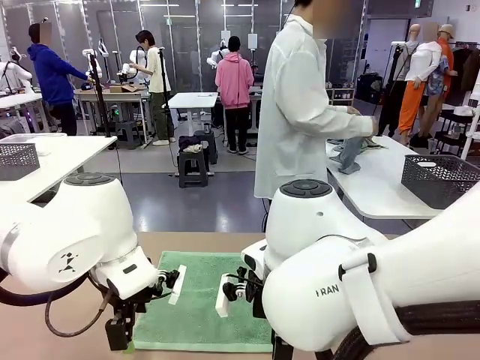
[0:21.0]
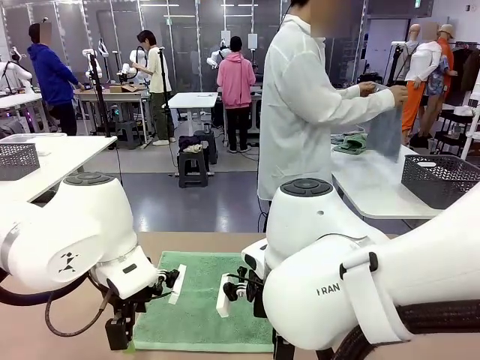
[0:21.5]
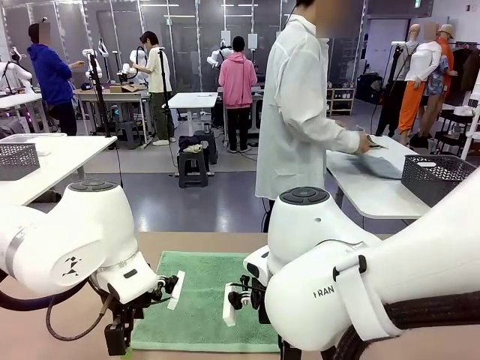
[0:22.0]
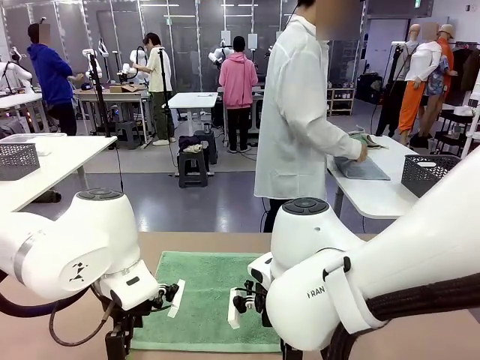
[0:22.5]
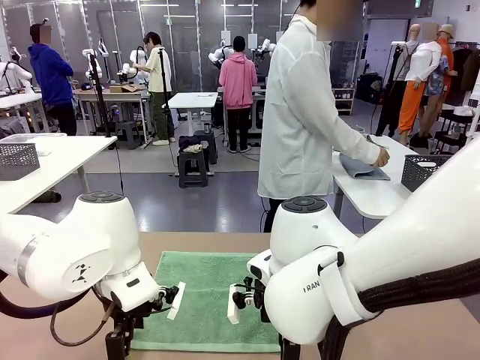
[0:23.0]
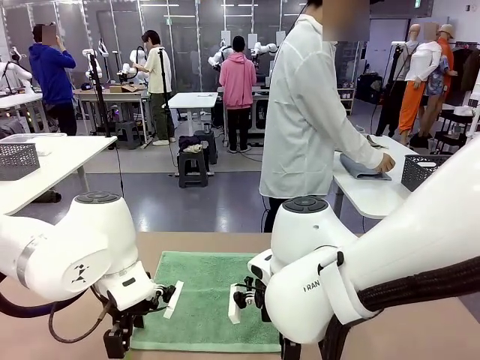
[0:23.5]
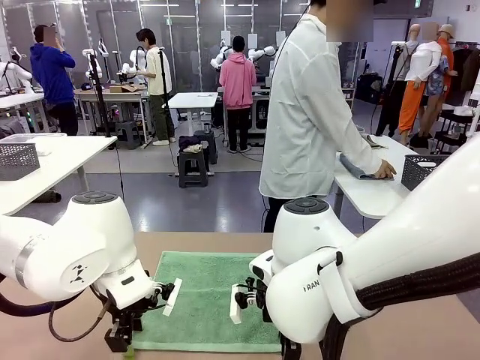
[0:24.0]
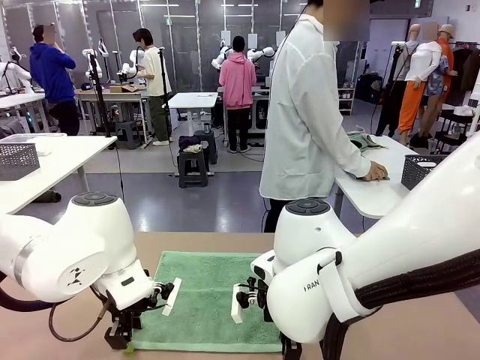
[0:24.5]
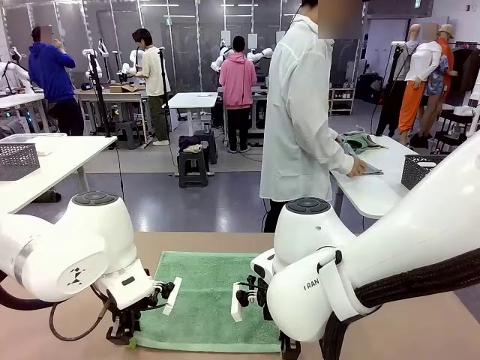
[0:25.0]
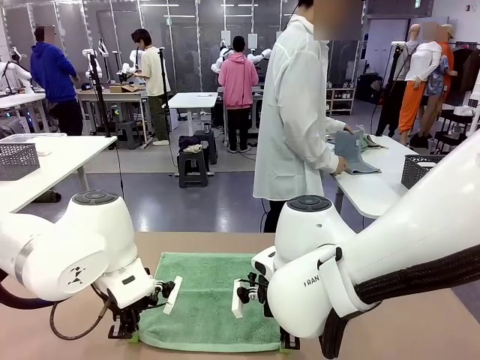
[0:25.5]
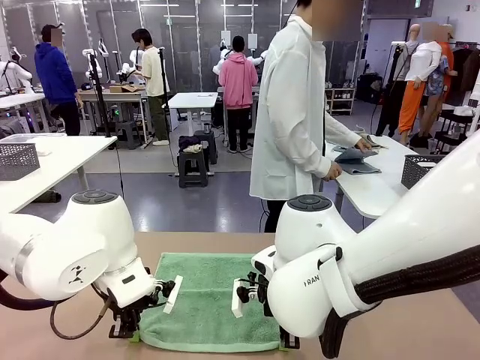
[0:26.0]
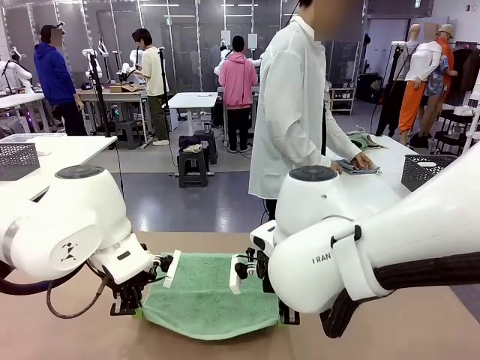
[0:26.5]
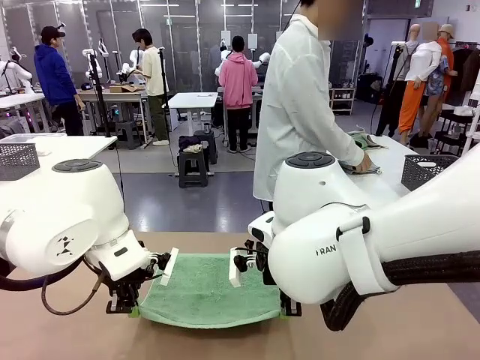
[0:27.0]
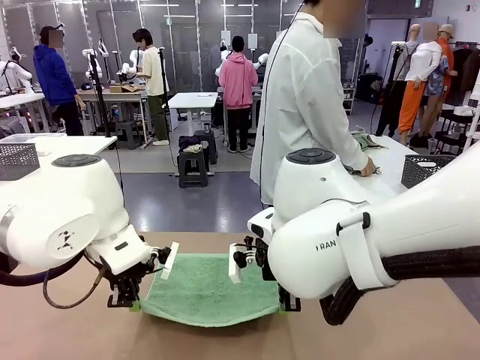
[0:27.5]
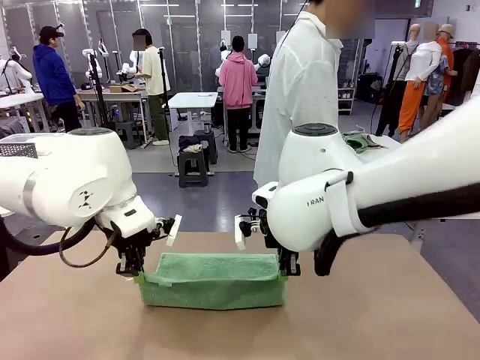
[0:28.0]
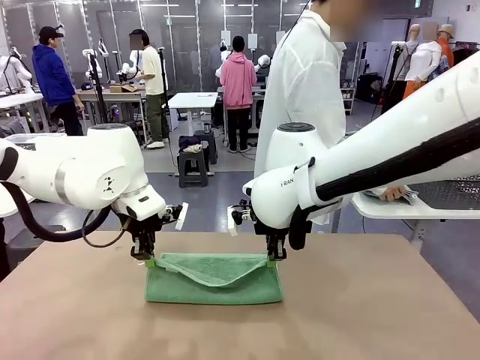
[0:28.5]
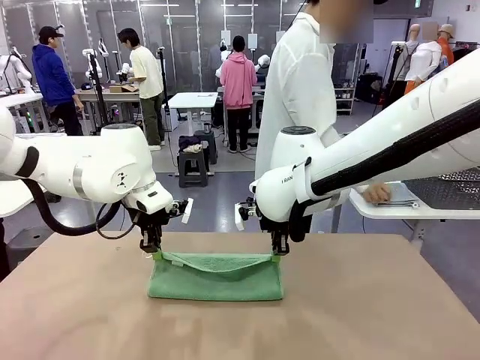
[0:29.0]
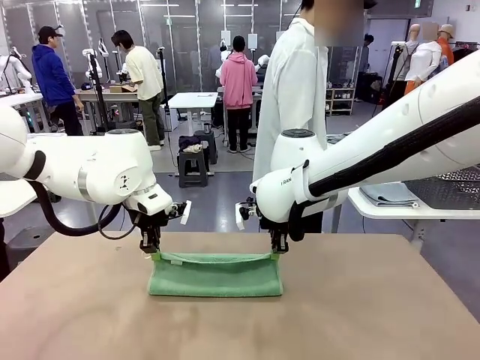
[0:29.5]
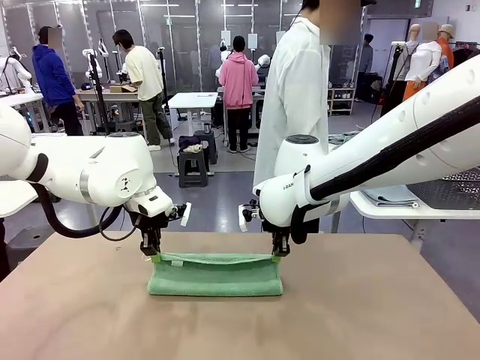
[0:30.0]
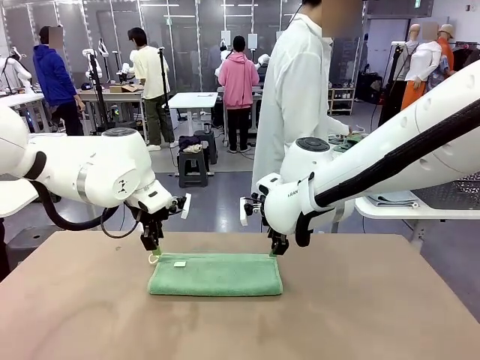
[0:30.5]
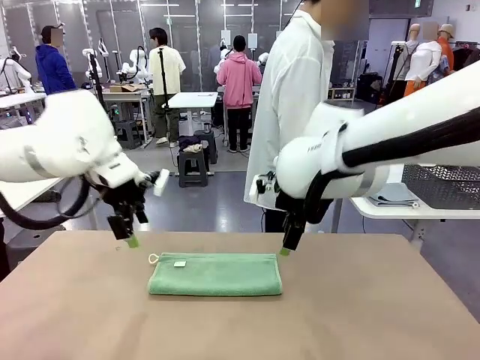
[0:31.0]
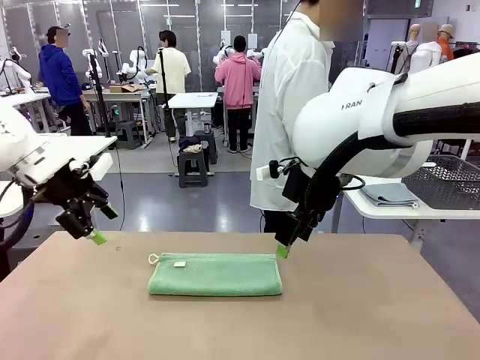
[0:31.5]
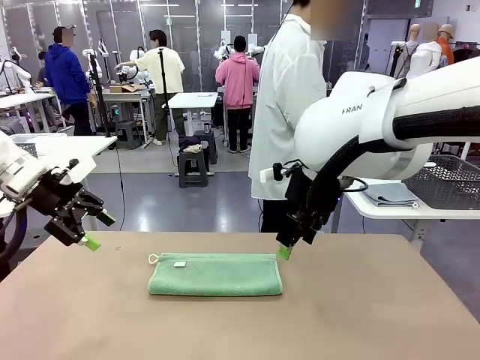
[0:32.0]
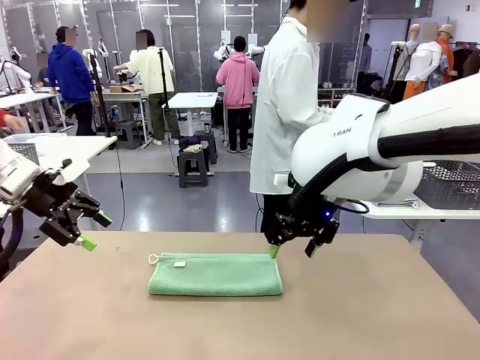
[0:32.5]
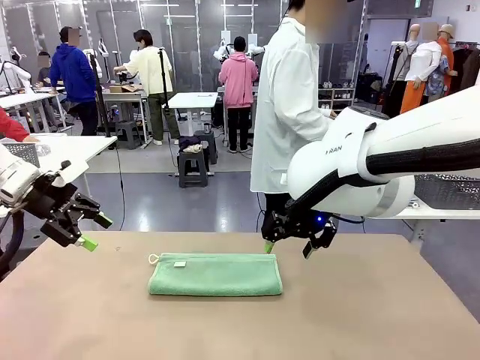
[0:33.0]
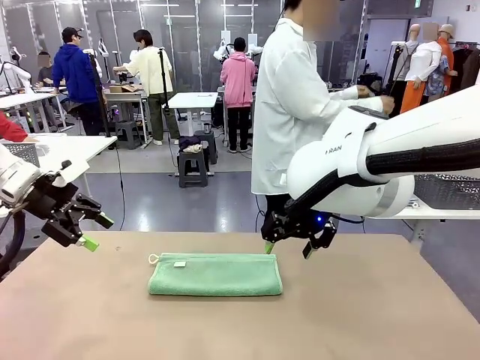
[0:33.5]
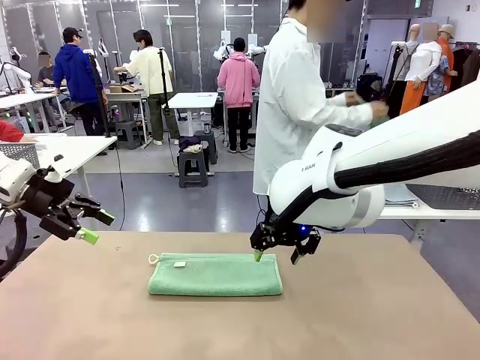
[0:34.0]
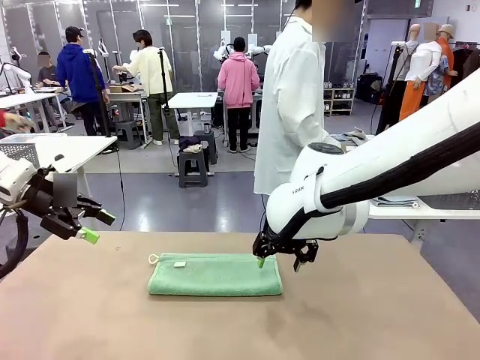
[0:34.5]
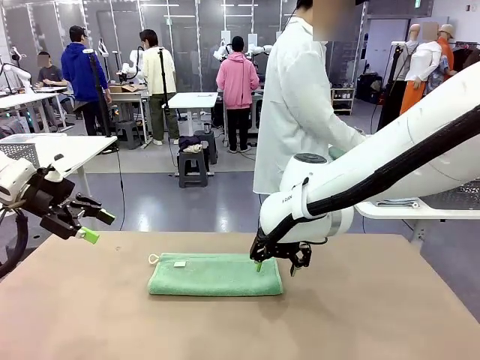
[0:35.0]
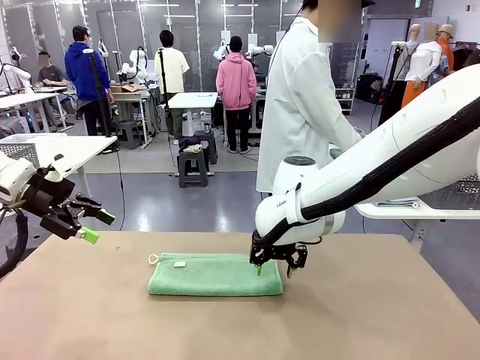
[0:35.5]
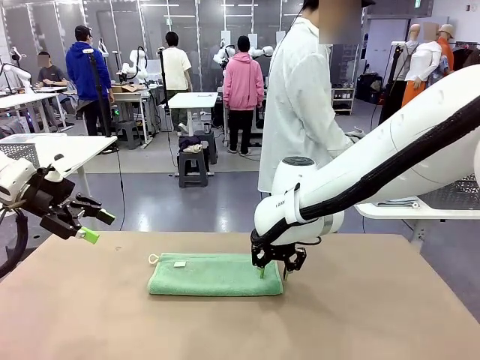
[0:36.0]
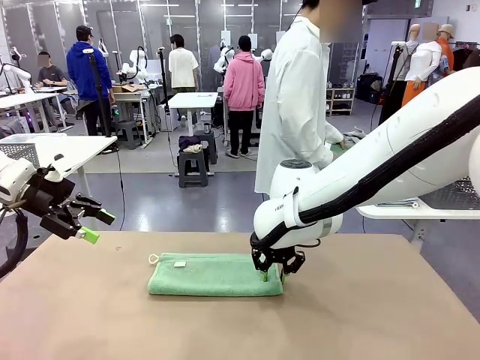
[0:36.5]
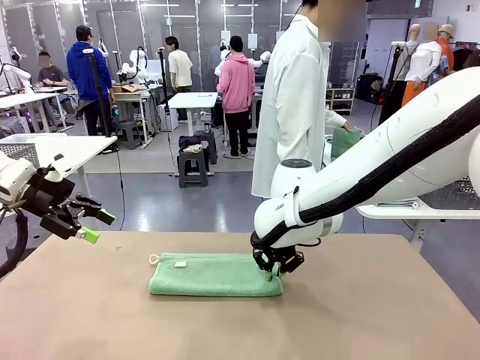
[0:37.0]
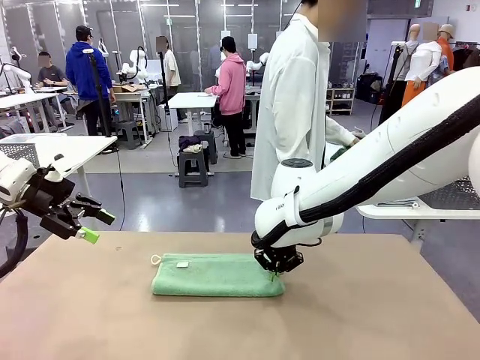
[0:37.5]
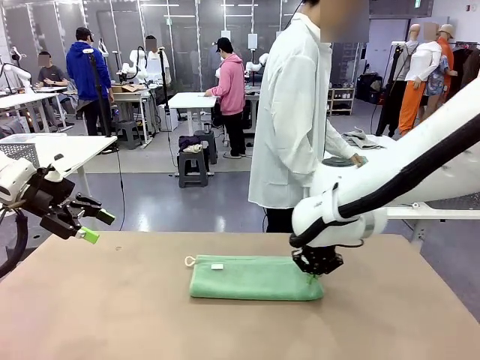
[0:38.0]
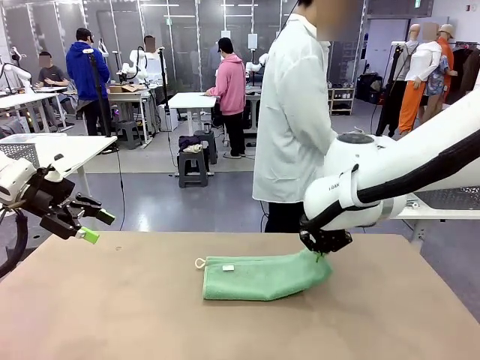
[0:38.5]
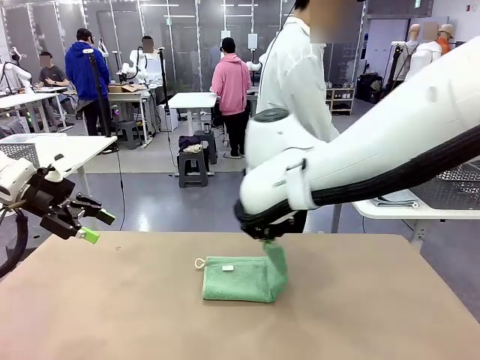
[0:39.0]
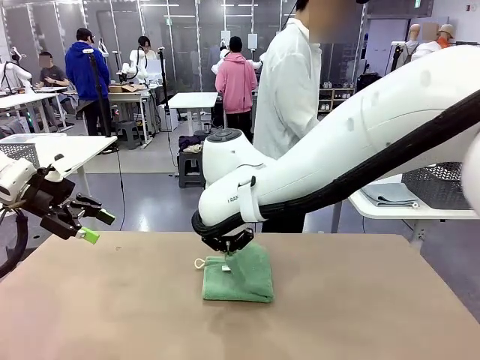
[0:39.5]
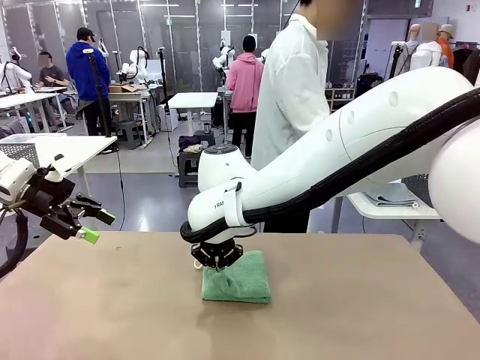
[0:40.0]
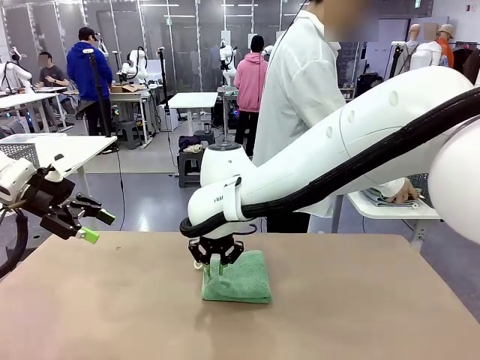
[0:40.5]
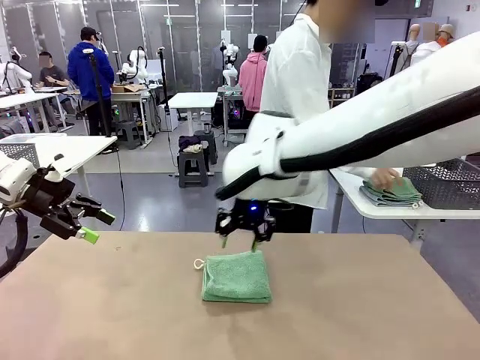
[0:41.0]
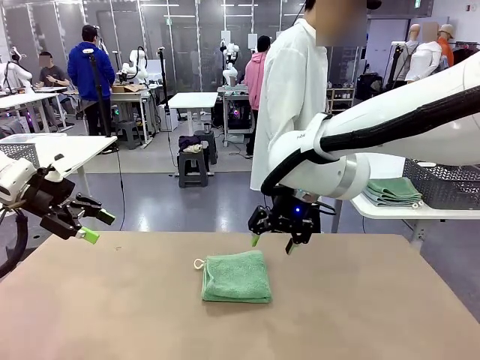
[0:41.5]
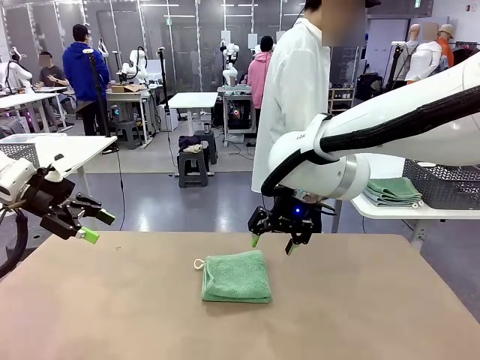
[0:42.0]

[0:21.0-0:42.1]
Task: Fold the towels and place them in the basket.
Robot: When a person lays out a Towel with hook on the table, fold it in half twice.
Person: Pick up one towel from the left side of the human table, fold it in half twice, and place it on the right side of the table. Pick up one towel from the left side of the human table, fold it in half twice, and stack it on the right side of the table.

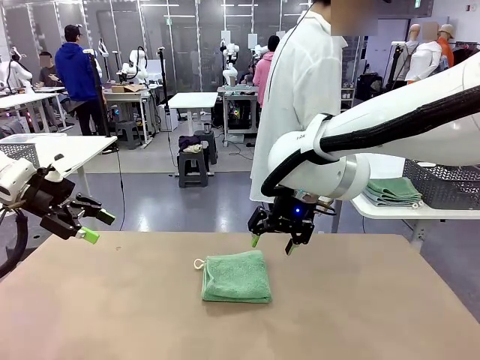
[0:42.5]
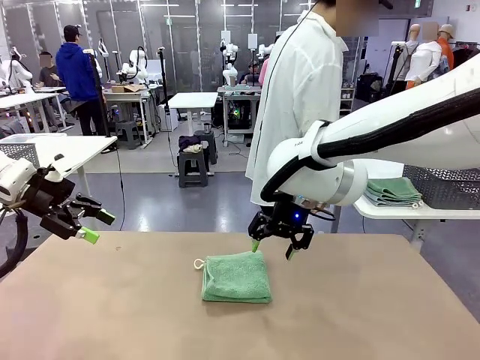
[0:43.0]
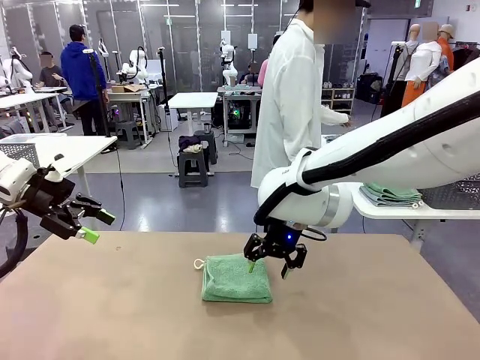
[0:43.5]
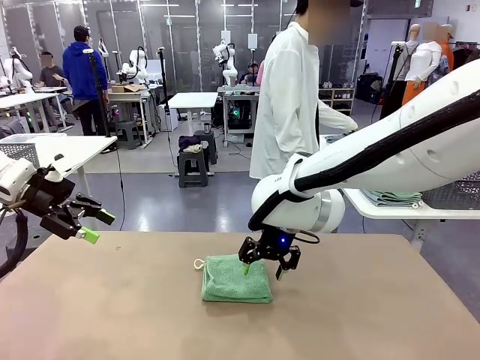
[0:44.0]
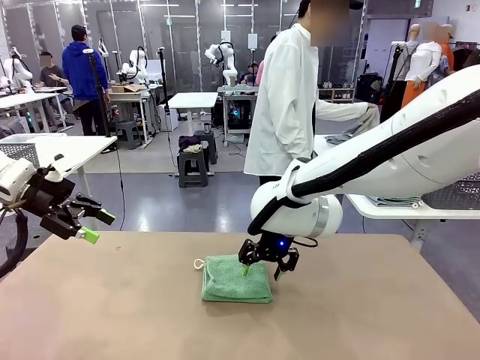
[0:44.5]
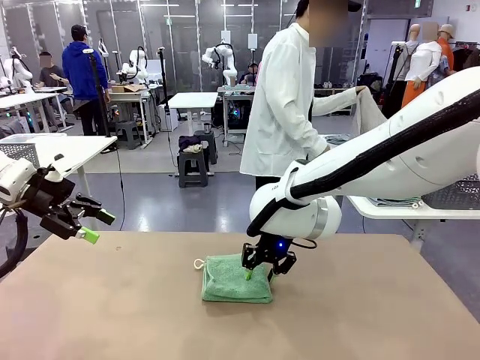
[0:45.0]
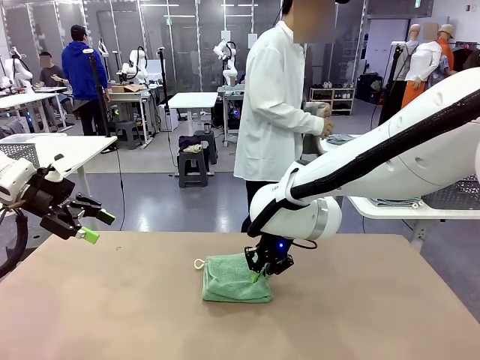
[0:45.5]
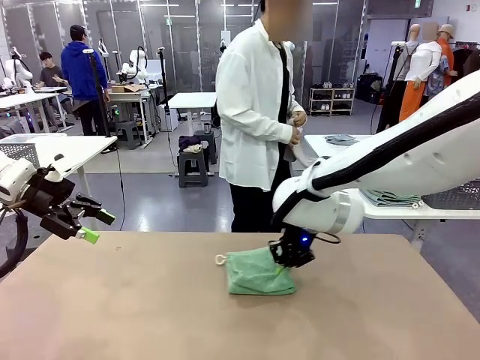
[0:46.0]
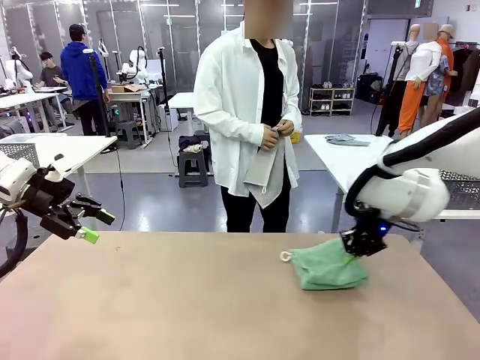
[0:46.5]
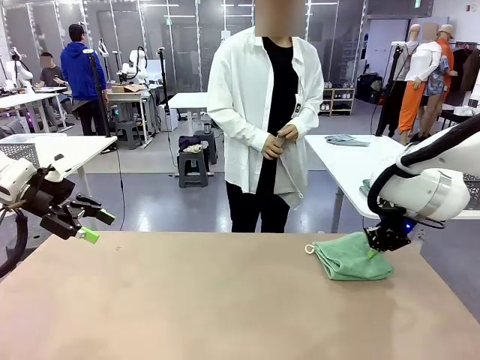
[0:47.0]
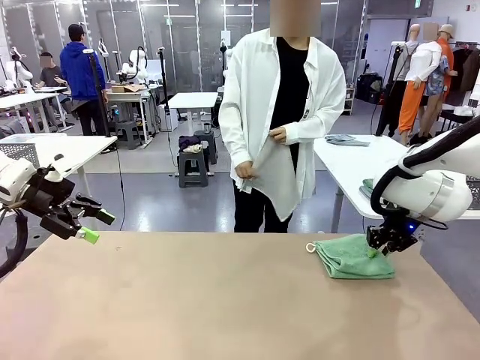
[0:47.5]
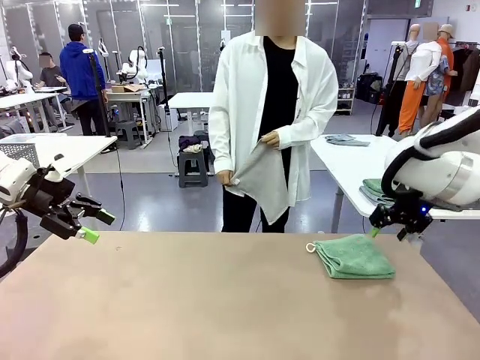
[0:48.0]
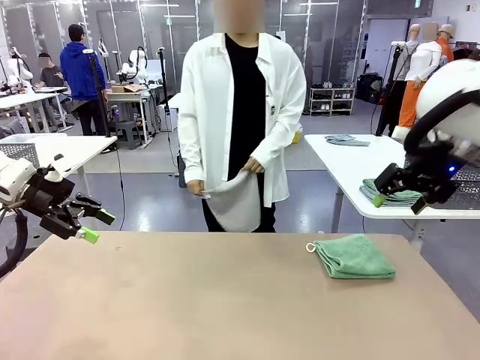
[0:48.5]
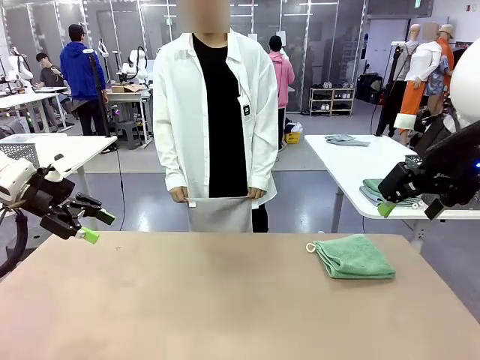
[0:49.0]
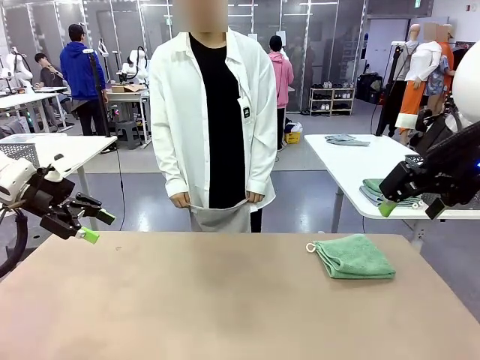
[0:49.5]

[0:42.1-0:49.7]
Robot: Place the folded Towel with hook on the right side of the table.
Person: Pick up one towel from the left side of the human table and spread it out at the center of the robot table.
